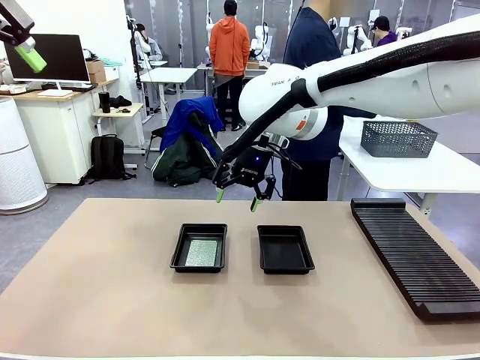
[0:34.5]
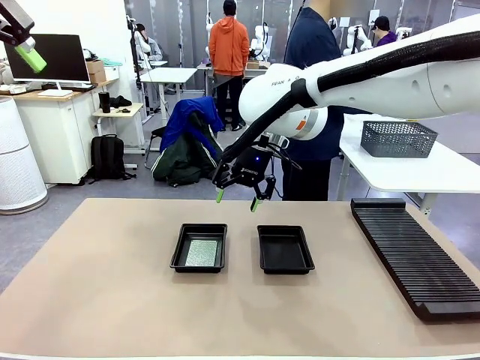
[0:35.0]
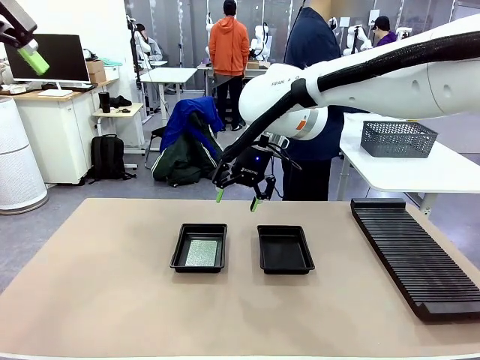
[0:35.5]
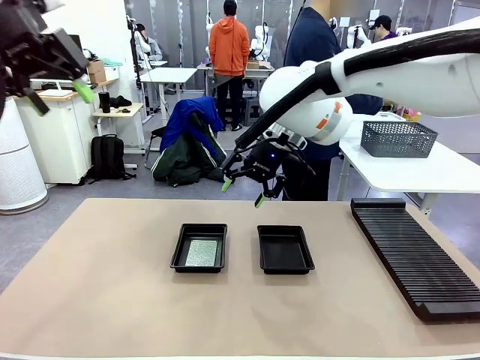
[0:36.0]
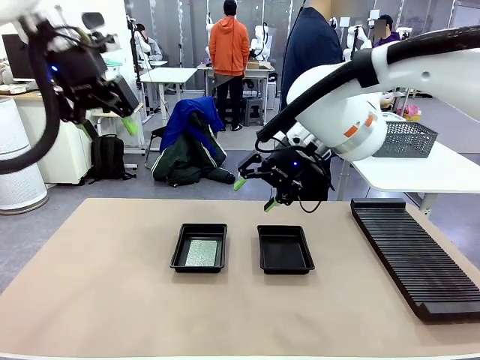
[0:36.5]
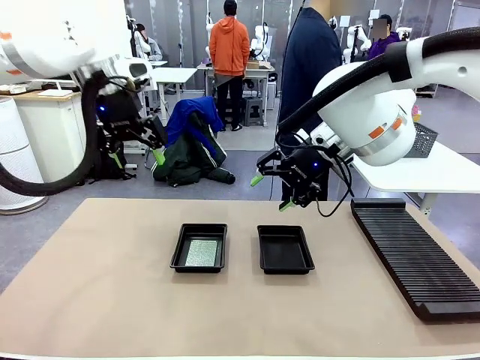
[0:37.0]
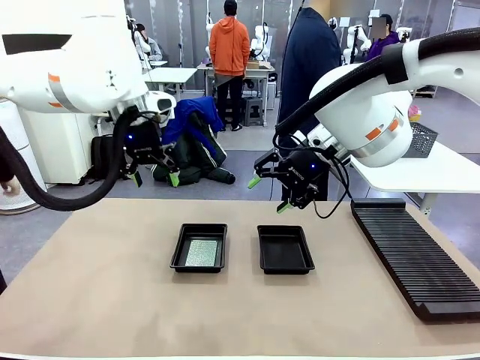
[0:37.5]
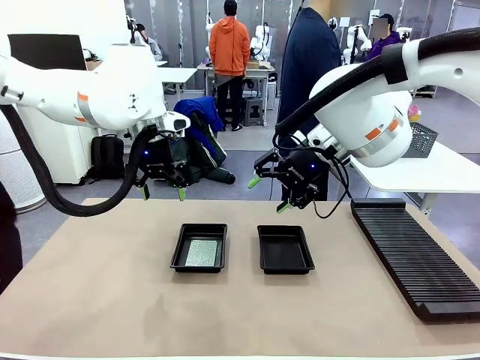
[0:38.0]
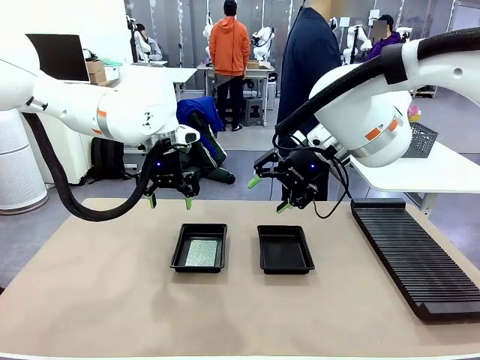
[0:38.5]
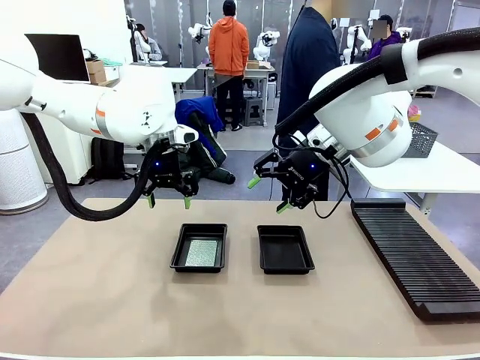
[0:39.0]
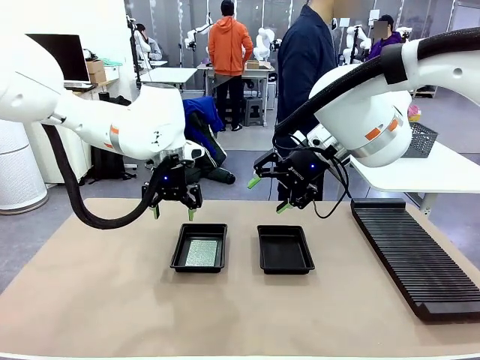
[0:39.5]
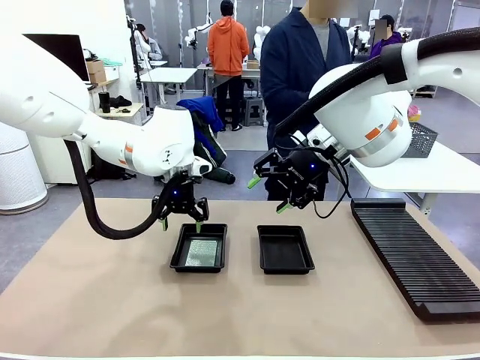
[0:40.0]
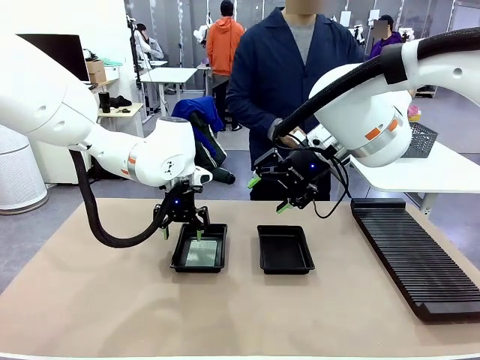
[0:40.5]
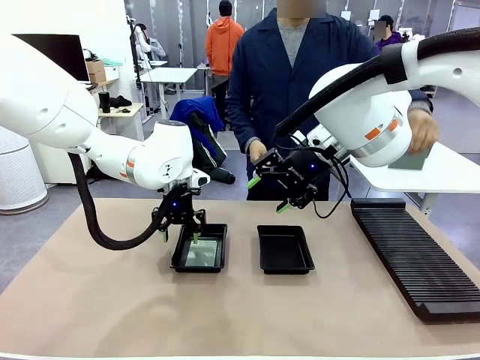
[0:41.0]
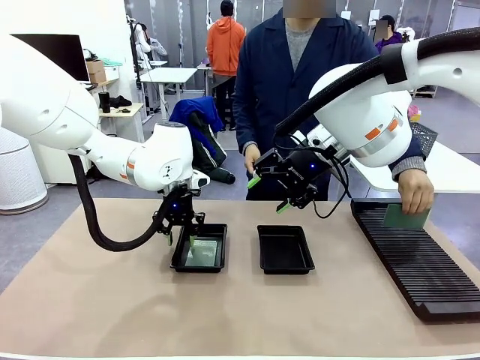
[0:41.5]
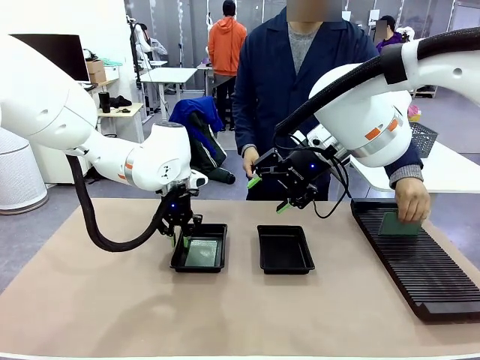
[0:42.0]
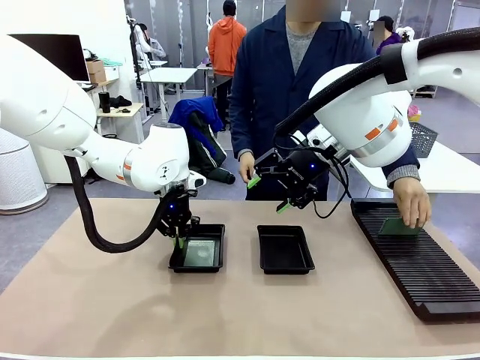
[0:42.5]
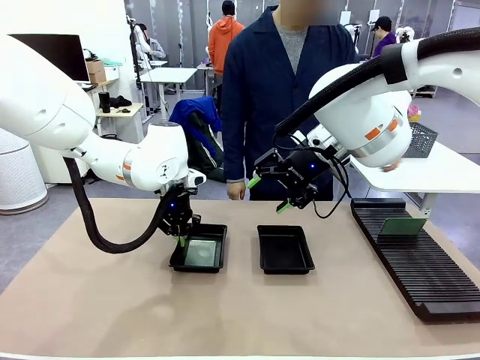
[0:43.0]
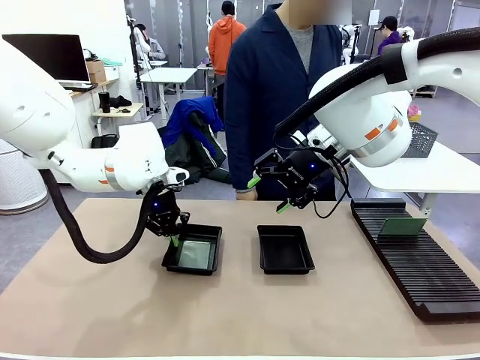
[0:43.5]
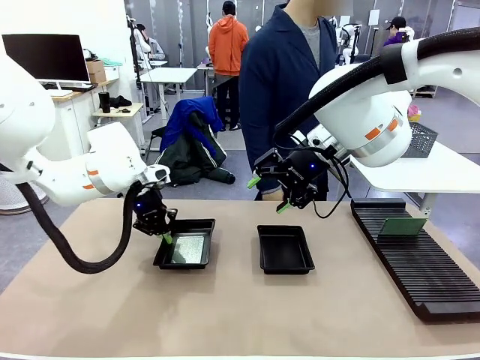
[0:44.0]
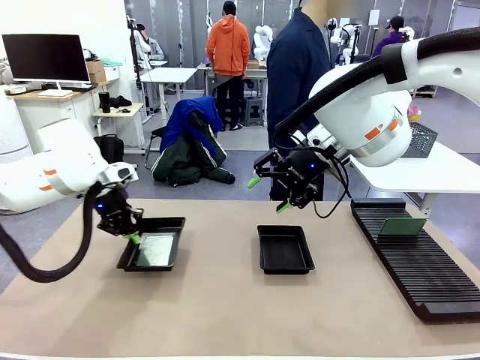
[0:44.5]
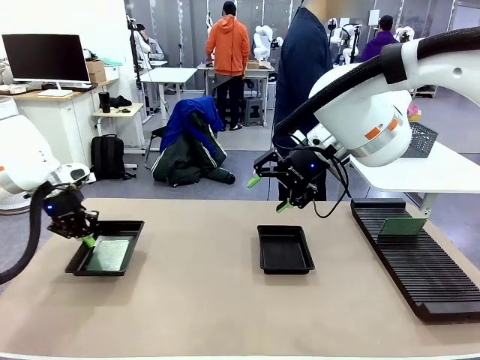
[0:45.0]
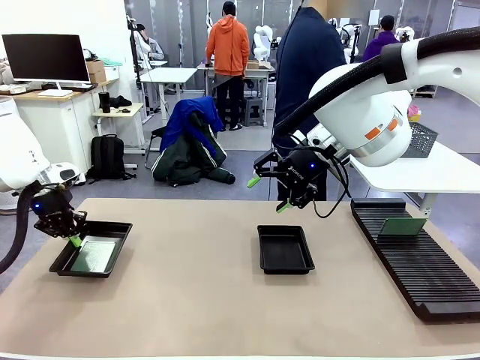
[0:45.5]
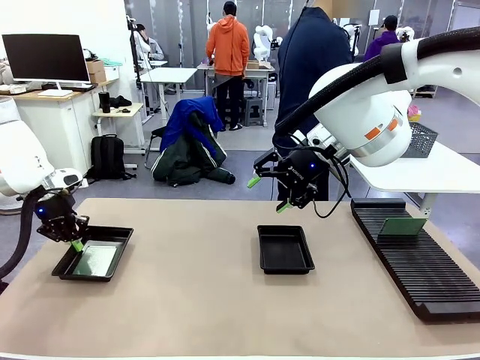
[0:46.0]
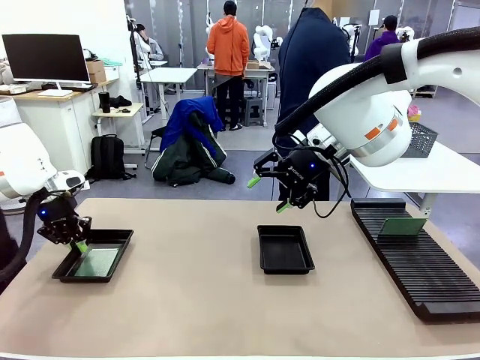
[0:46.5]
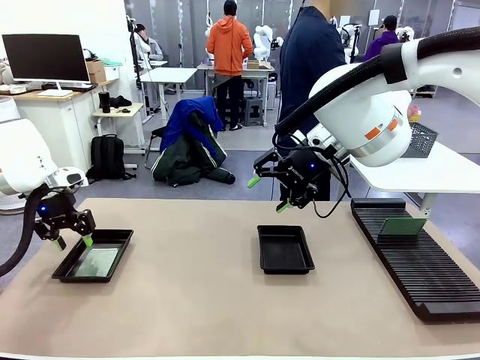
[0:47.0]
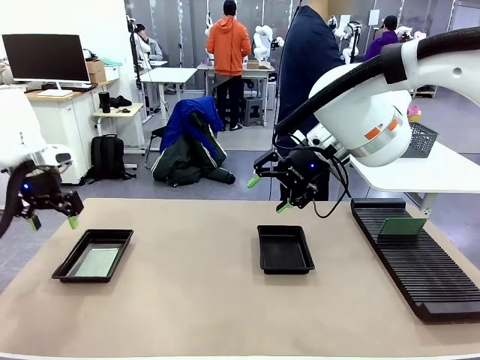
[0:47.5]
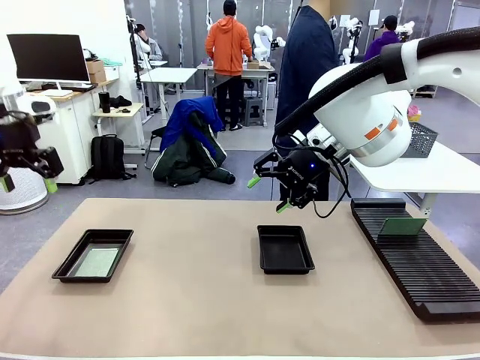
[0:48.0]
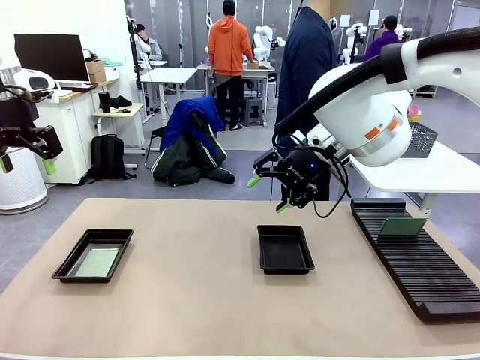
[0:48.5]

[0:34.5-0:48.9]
Task: Inspect and transfer BCBs to ESD trays.
Robot: Pick up the ESD tray and place it on the left side of the table.

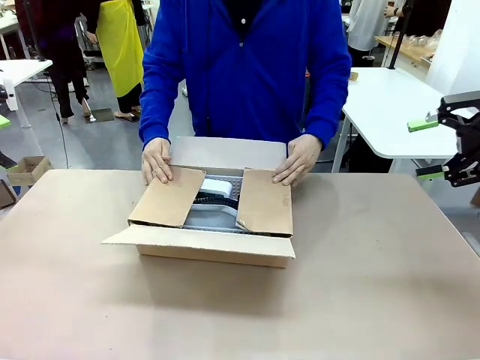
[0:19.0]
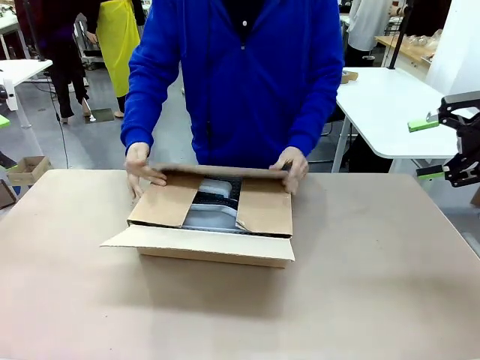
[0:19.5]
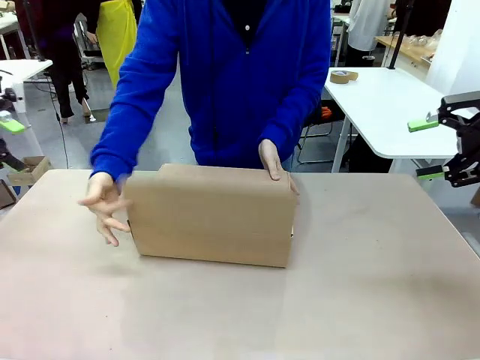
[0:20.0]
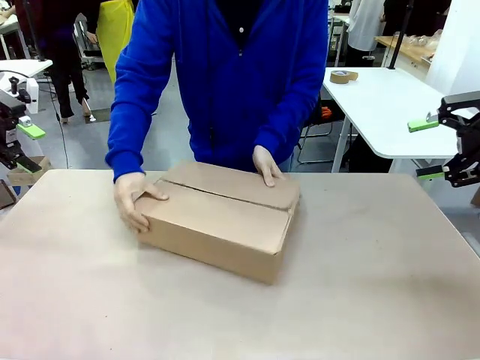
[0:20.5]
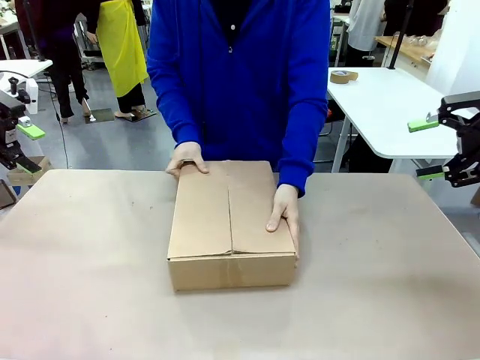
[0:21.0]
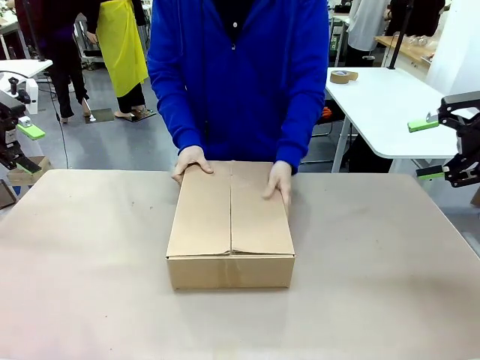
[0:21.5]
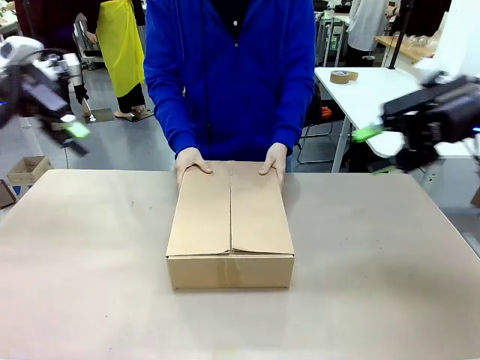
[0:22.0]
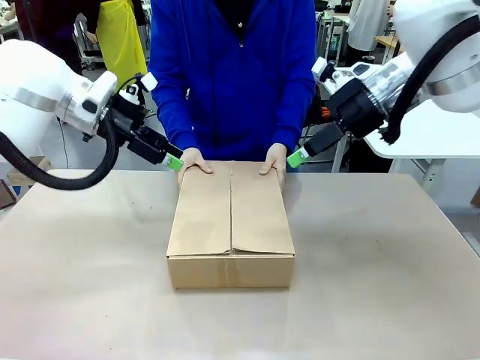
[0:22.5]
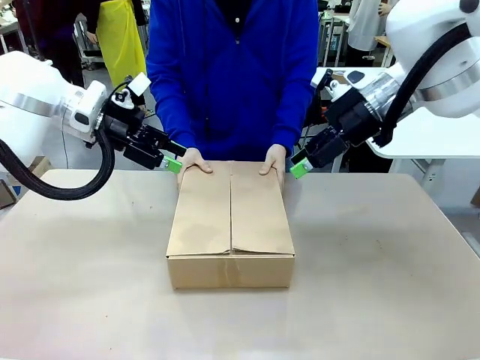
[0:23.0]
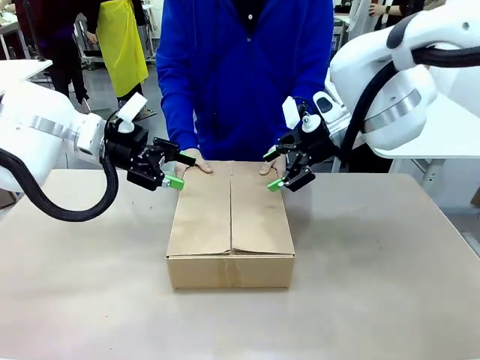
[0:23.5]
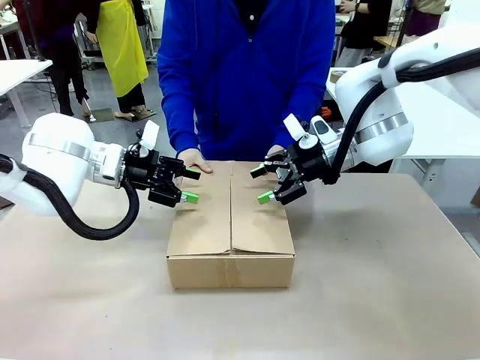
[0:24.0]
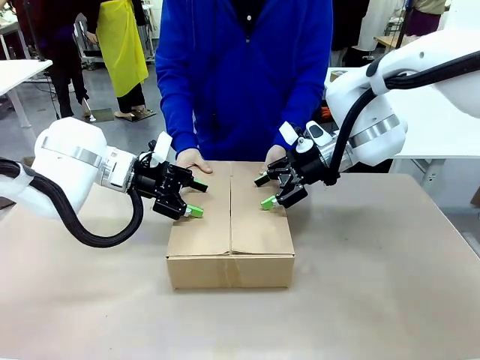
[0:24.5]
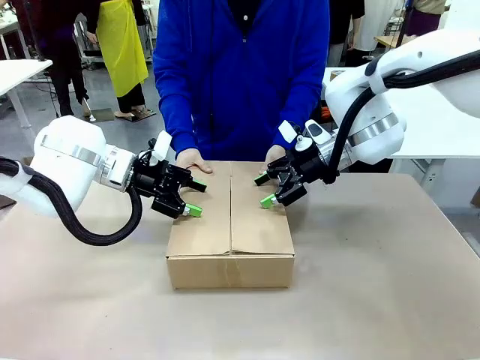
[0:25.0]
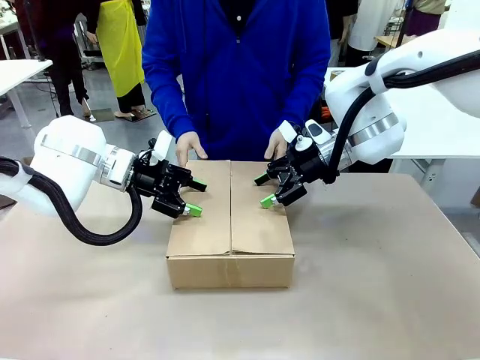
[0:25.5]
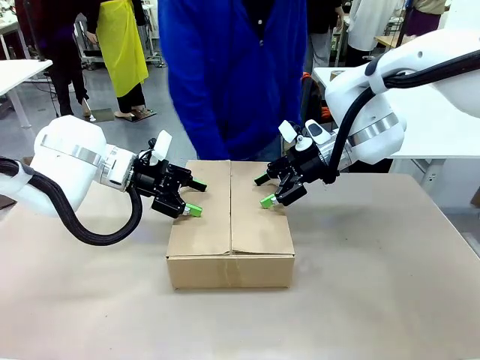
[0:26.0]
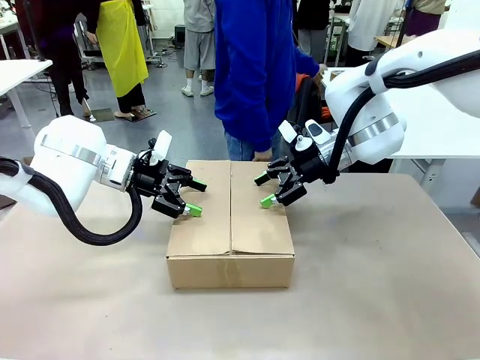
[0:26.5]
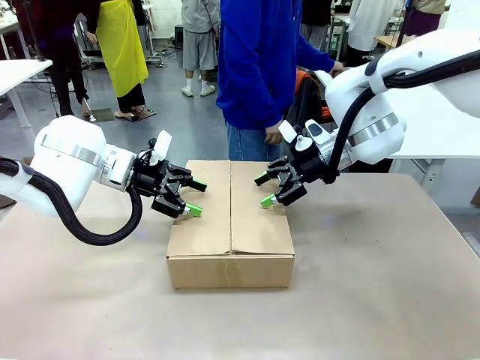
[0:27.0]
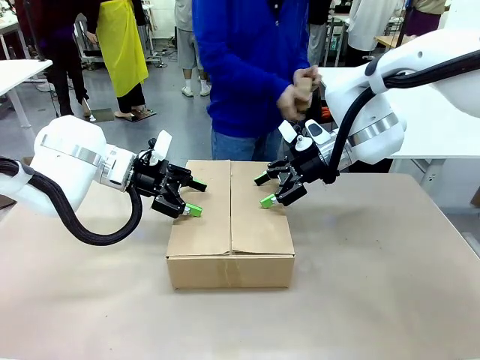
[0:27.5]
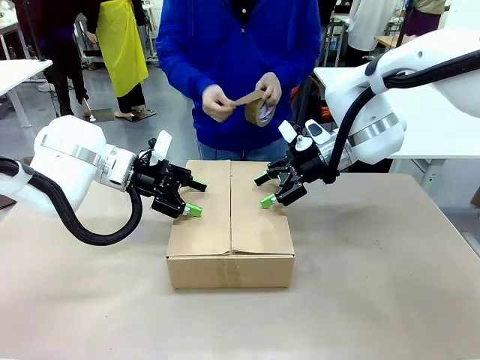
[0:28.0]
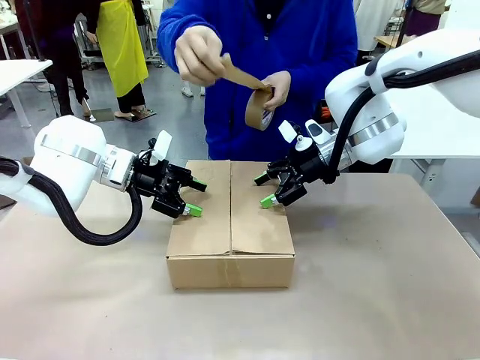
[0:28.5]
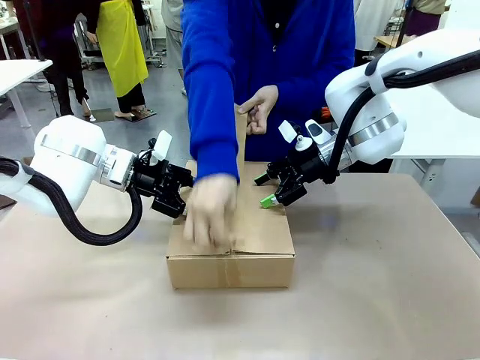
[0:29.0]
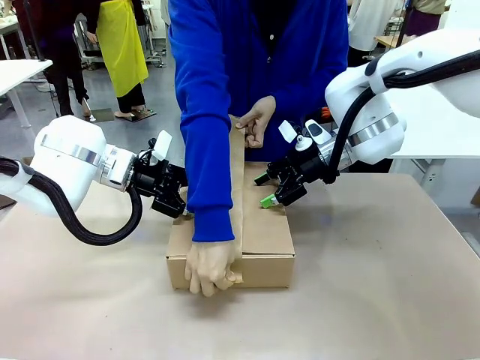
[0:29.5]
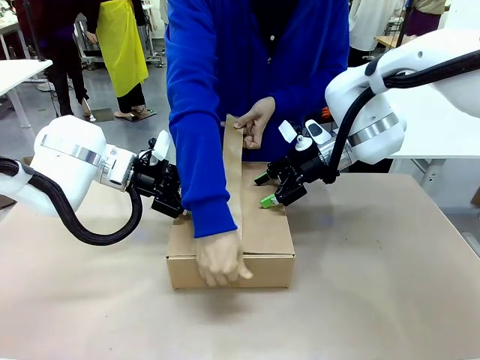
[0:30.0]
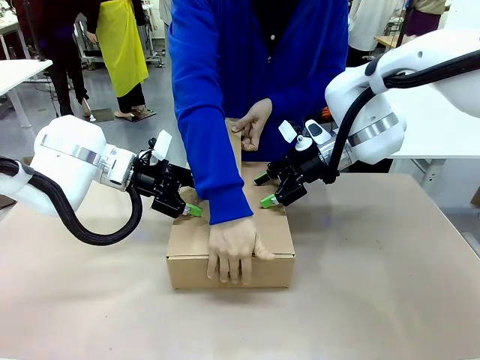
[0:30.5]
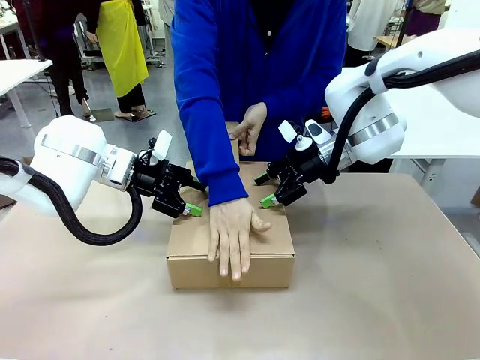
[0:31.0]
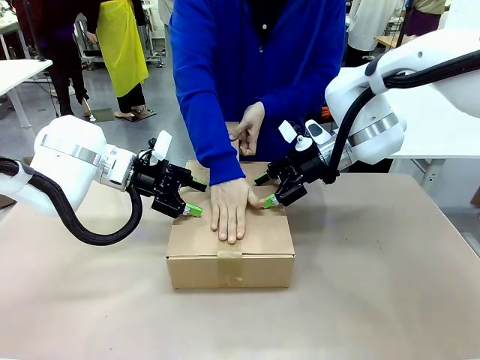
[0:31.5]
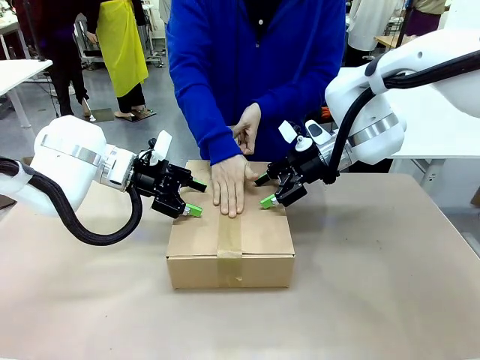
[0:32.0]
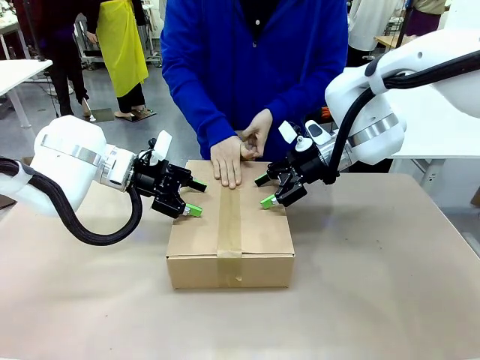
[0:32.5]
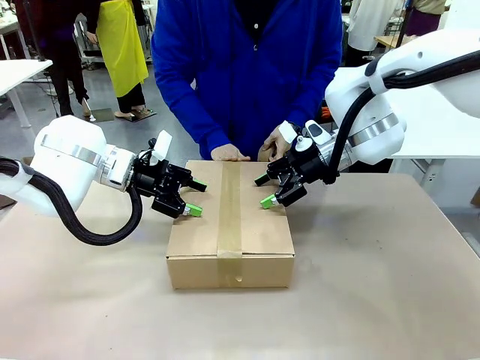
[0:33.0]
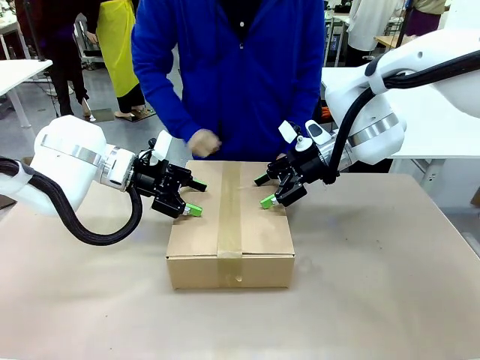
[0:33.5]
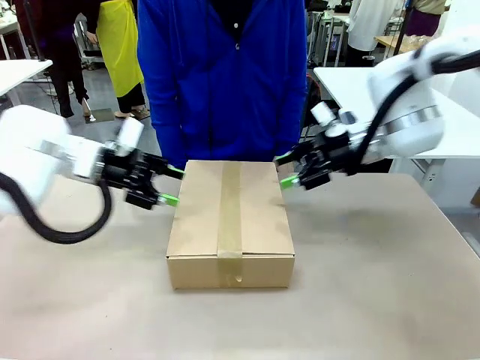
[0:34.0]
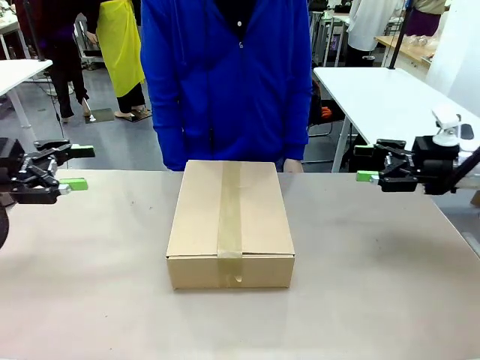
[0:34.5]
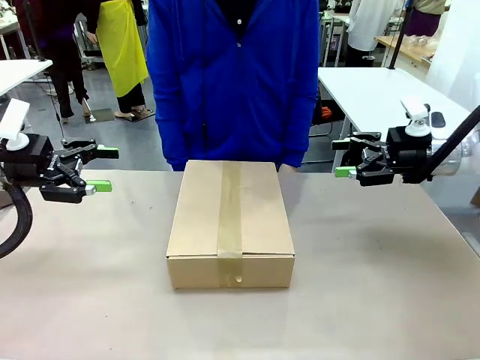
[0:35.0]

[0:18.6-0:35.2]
Task: Pack the gift set into the box.
Robot: Press and hold the closed box until the human finishes sealing it.
Person: The human closes the box and rotates the box by 90 degrees. The human picks up the paper tape from the human table and packs the box.
